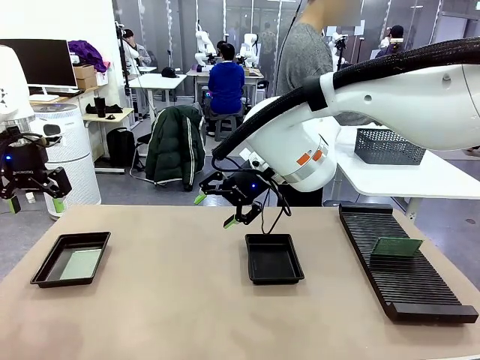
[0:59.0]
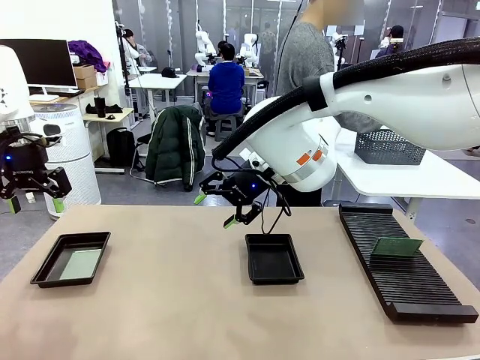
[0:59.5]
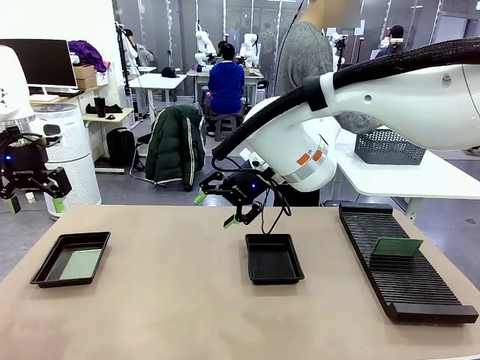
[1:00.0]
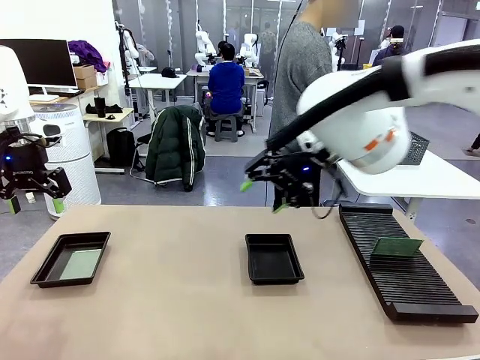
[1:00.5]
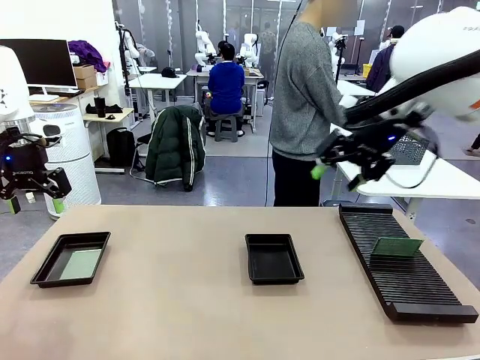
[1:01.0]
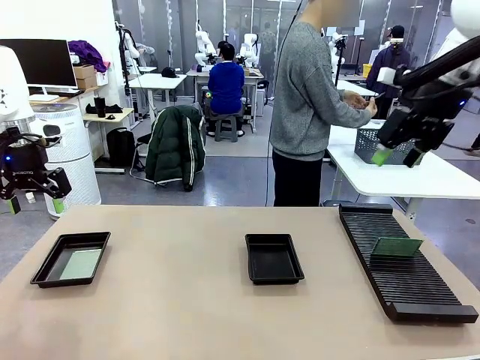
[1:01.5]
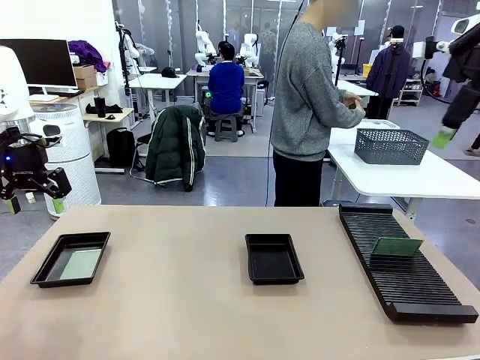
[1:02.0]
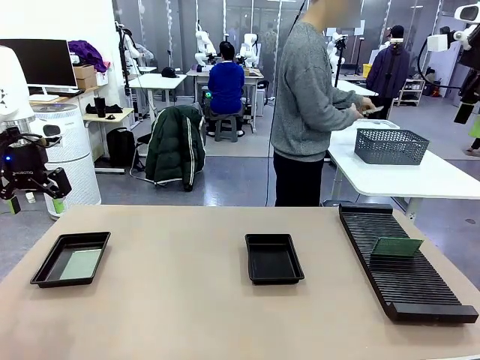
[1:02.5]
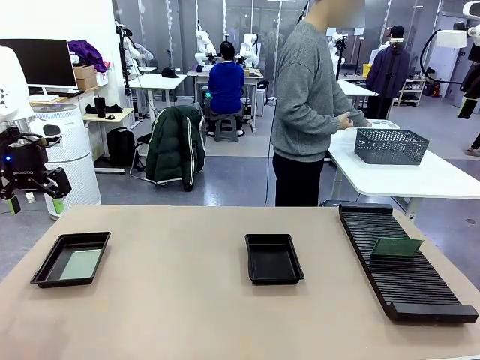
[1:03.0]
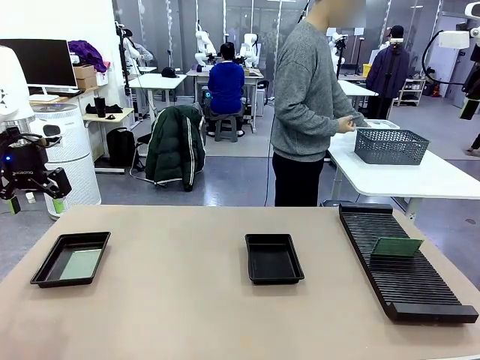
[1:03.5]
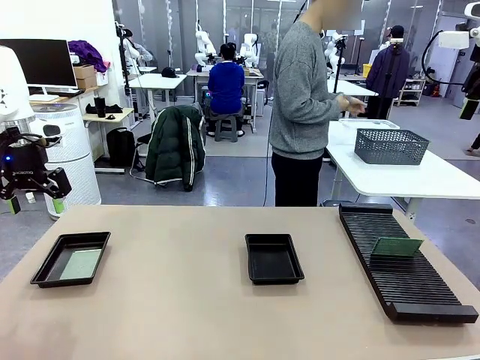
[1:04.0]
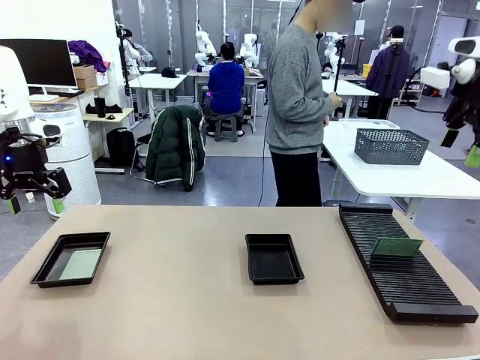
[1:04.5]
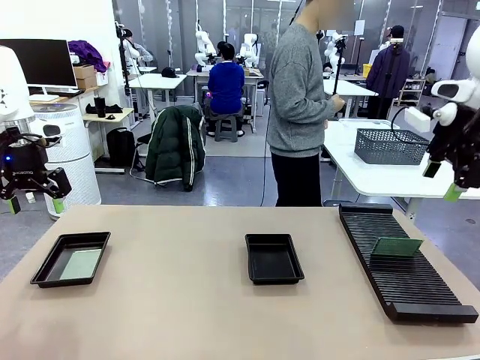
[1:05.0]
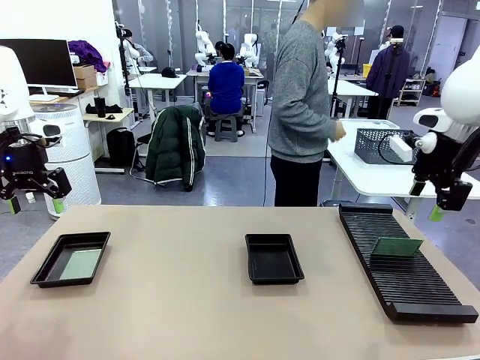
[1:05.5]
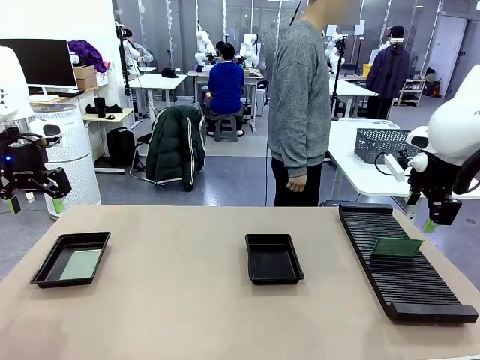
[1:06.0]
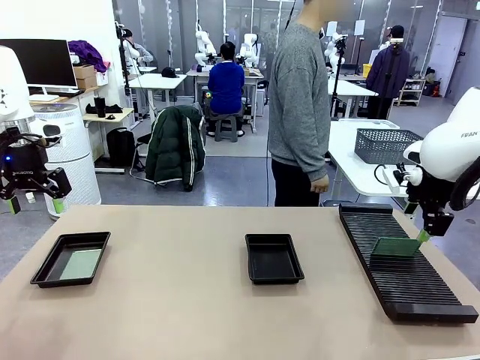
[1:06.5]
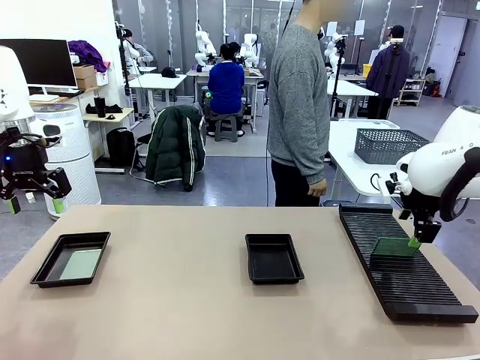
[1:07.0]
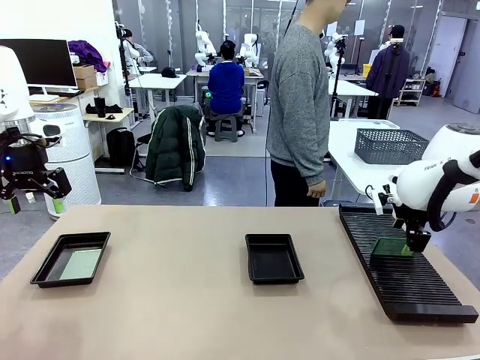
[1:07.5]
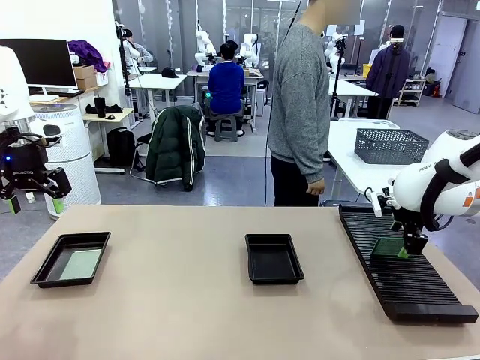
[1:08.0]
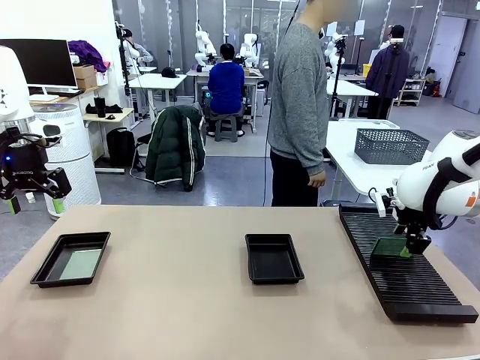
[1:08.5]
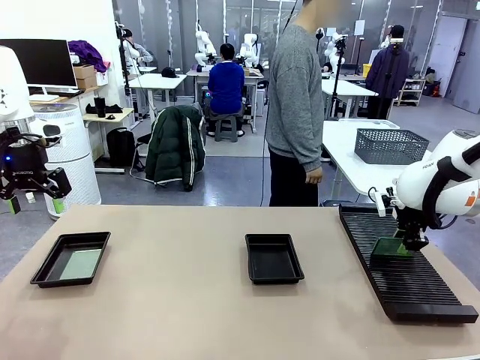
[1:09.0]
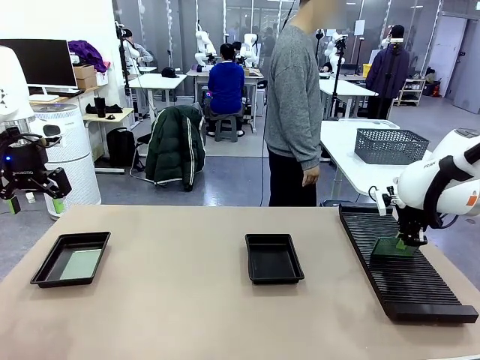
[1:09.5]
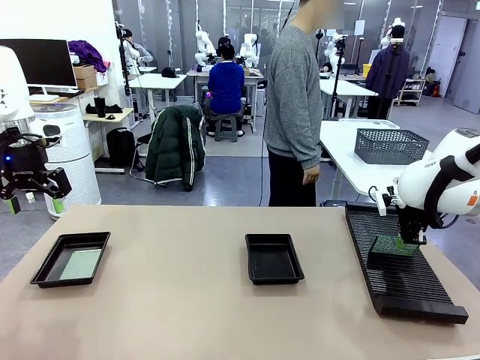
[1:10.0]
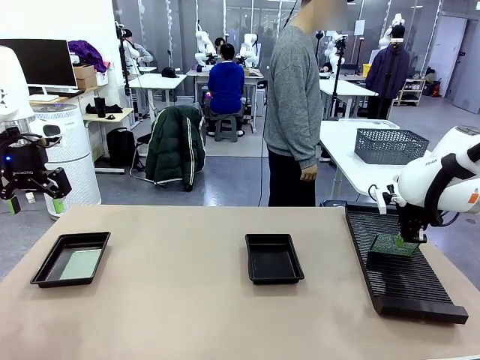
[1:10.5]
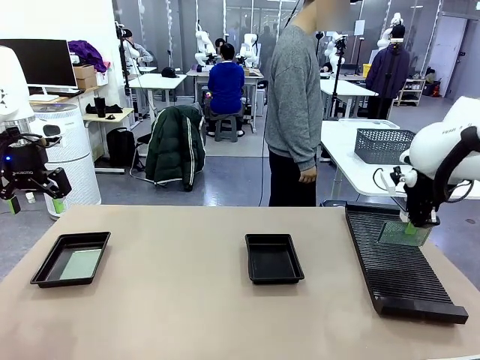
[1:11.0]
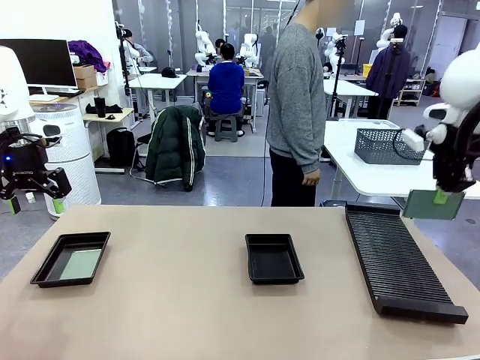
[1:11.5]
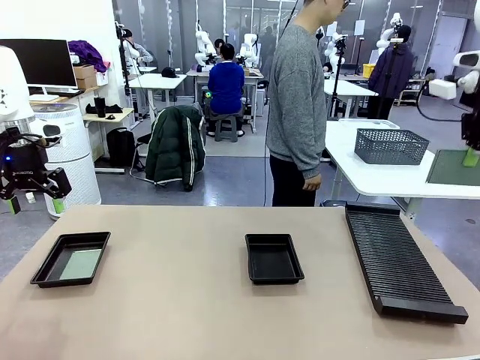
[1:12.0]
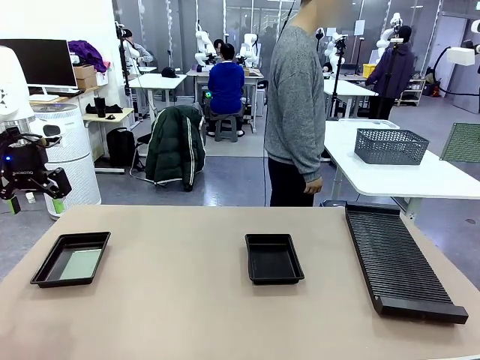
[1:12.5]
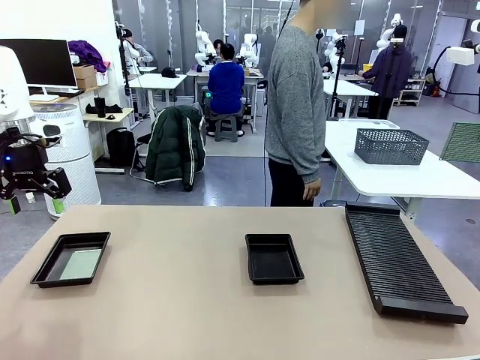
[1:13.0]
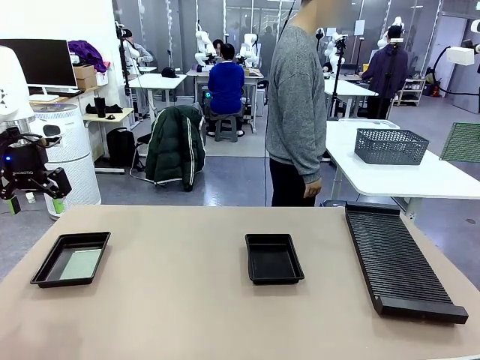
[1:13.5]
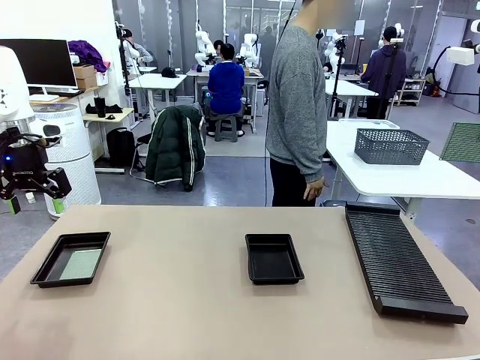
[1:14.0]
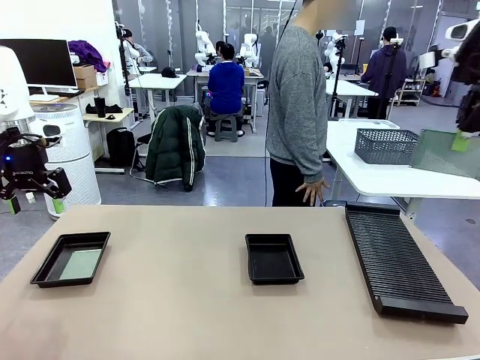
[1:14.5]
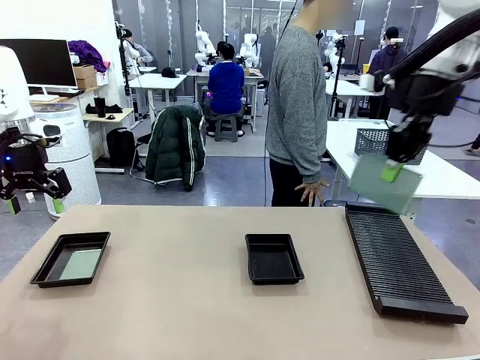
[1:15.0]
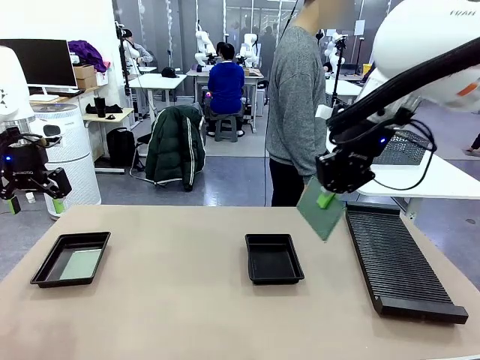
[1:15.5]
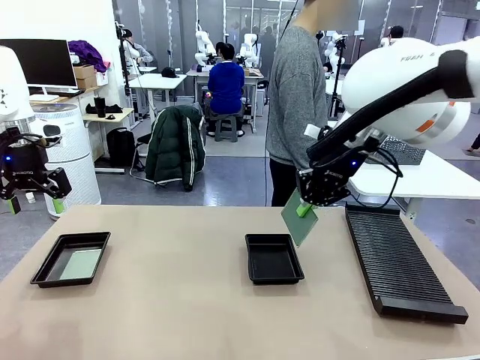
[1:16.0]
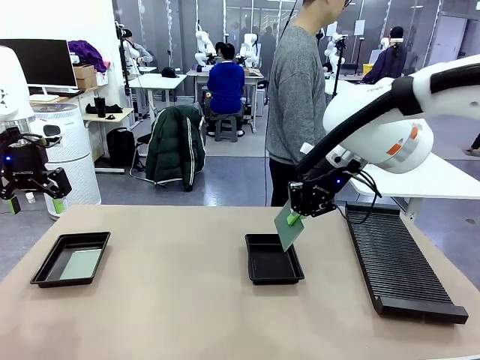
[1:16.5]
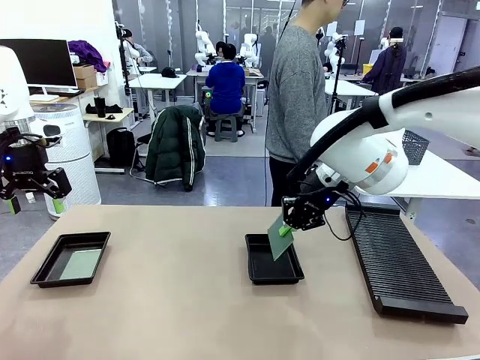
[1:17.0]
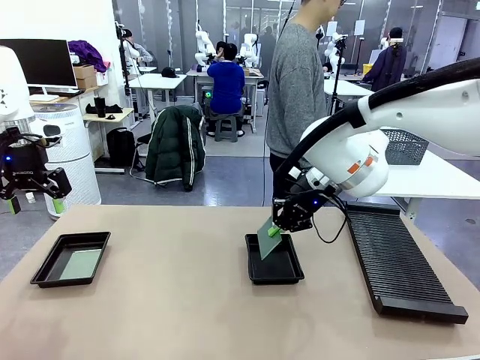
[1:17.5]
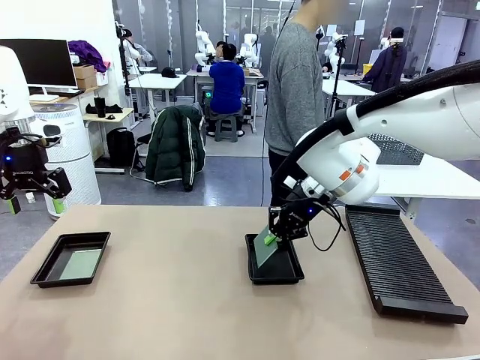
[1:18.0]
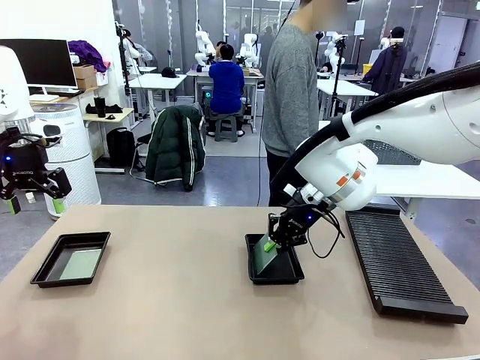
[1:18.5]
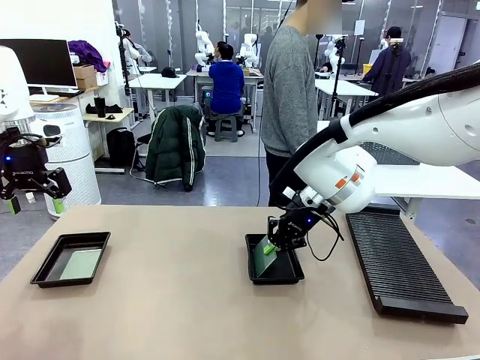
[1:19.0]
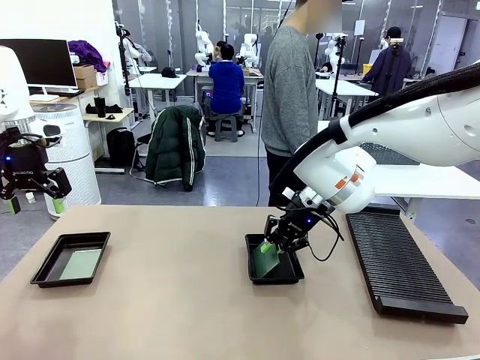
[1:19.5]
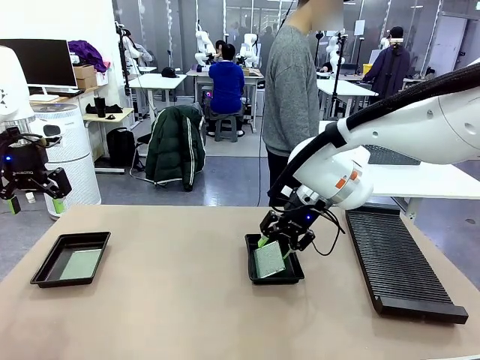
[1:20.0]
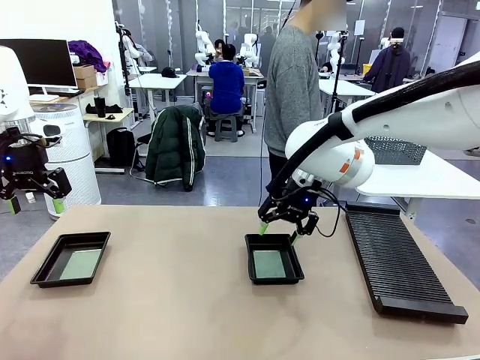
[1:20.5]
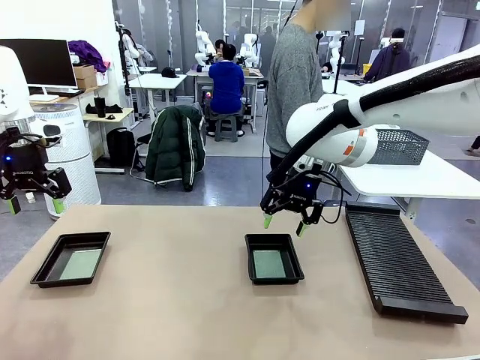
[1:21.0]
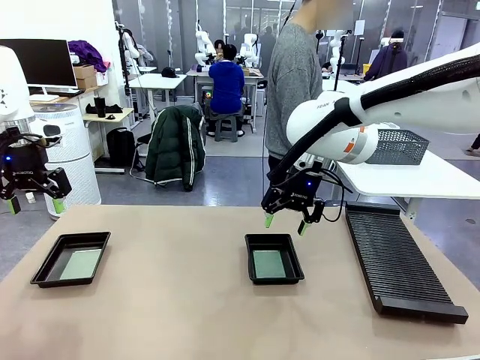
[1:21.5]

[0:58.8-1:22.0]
Task: Inspect and transfer BCBs to ESD trays.
Robot: Pick up the Blank PCB from the PCB Rack and place it in the right ESD tray.
